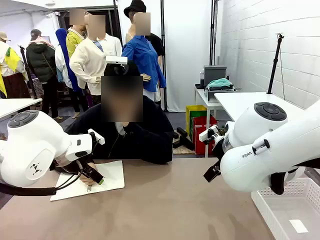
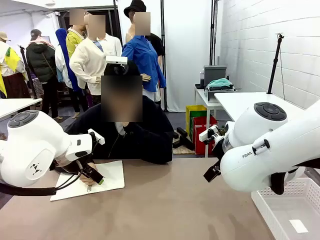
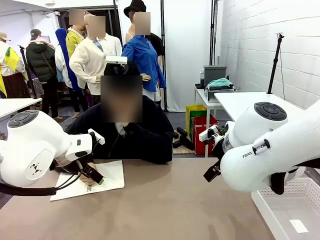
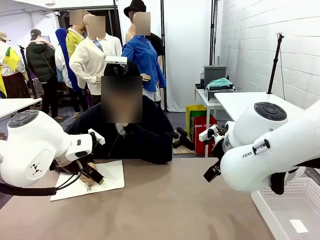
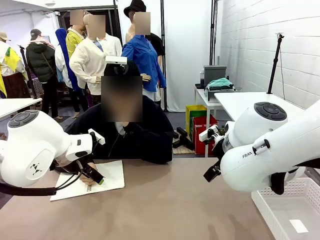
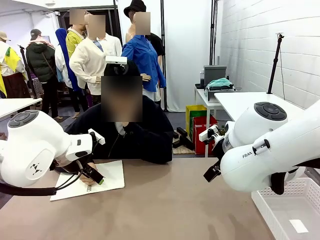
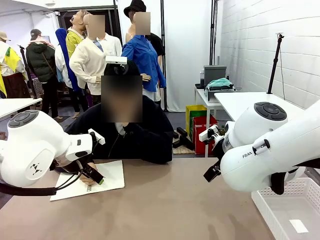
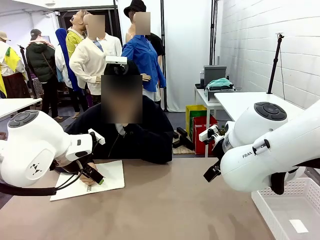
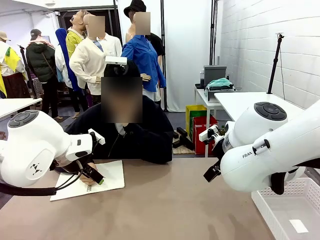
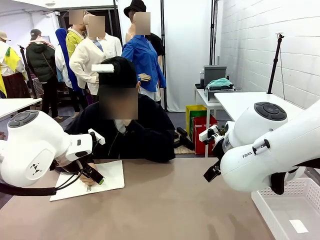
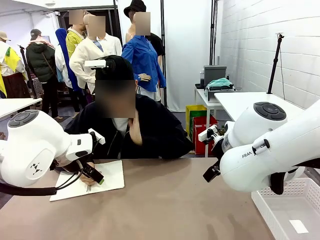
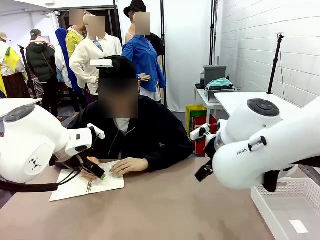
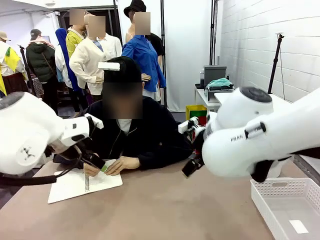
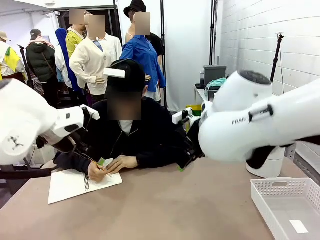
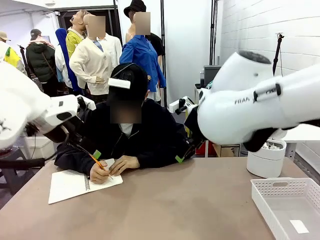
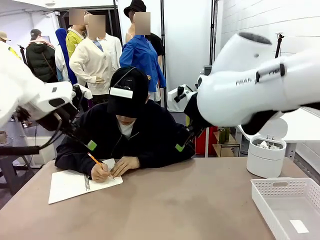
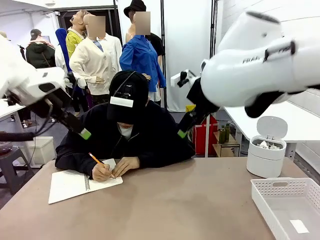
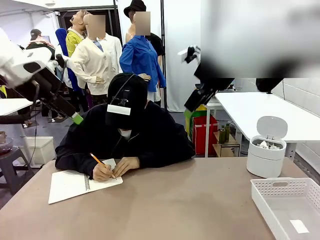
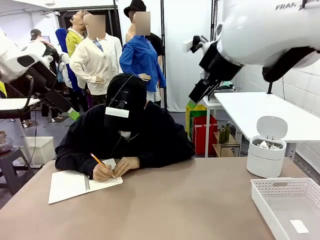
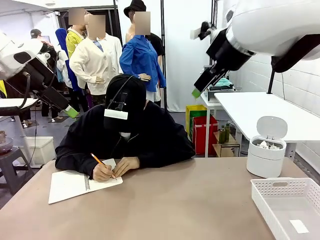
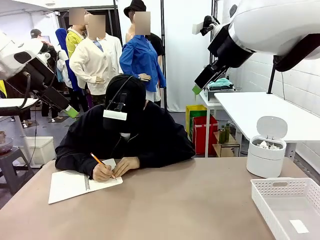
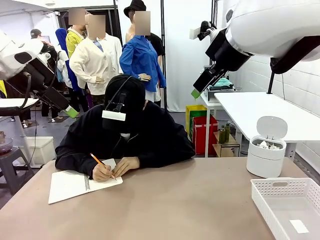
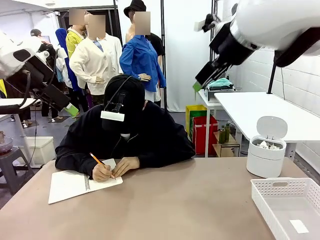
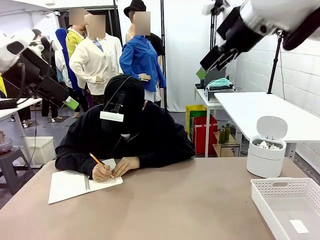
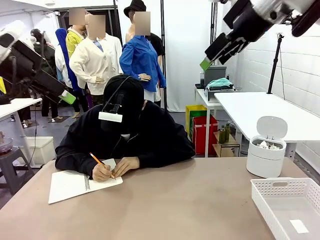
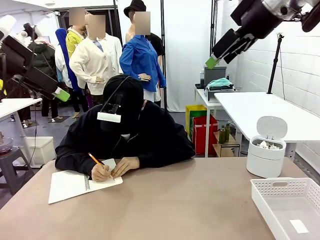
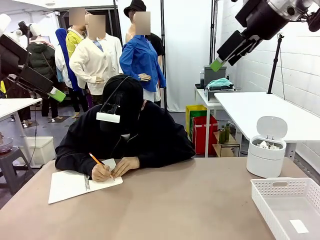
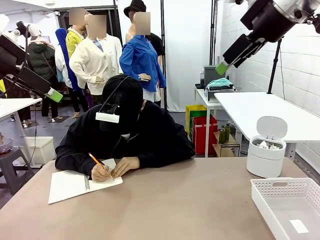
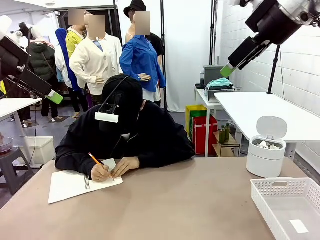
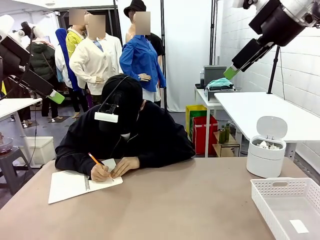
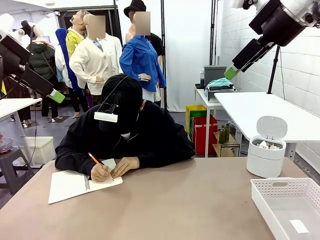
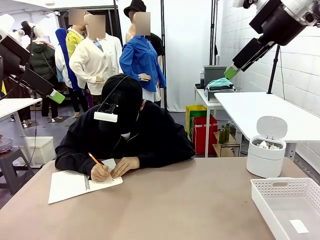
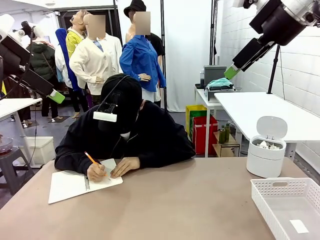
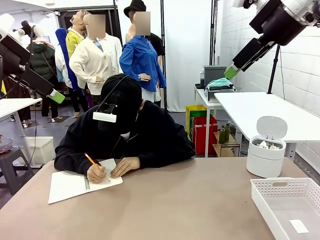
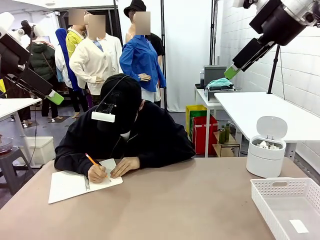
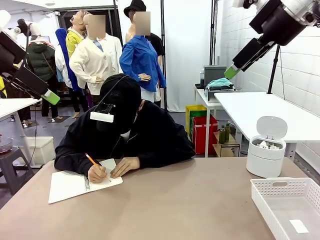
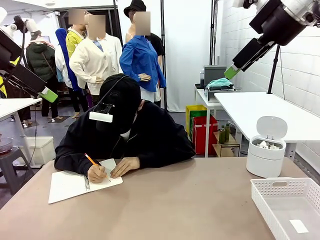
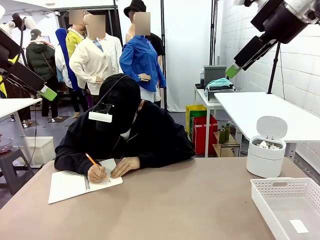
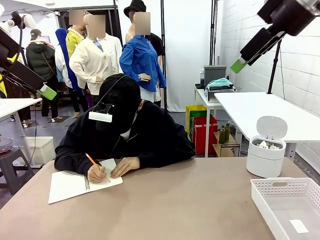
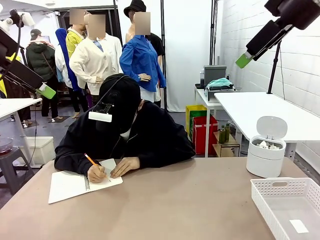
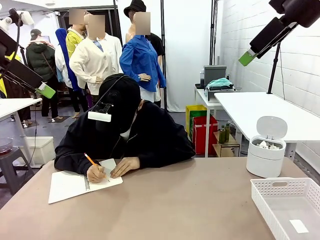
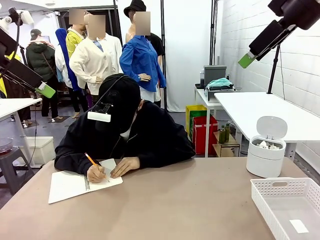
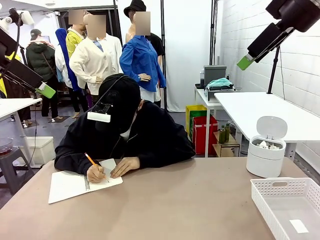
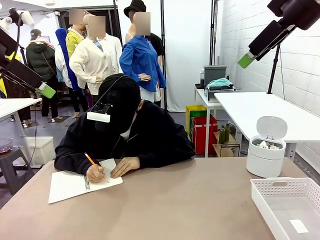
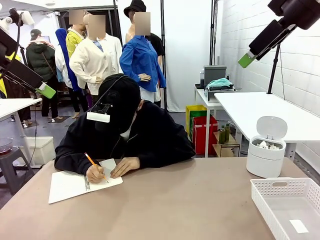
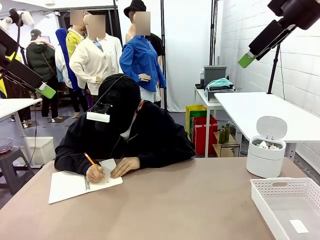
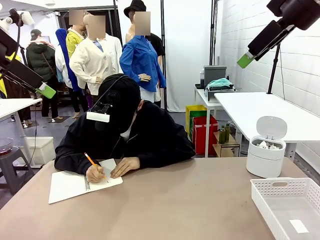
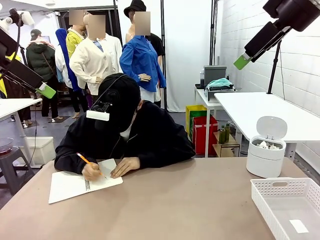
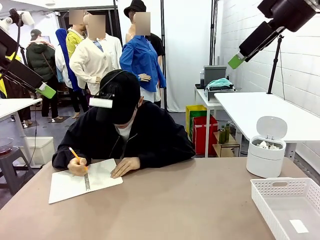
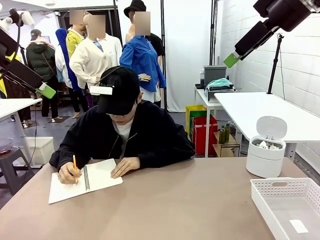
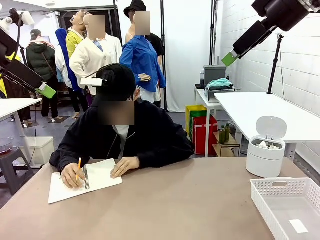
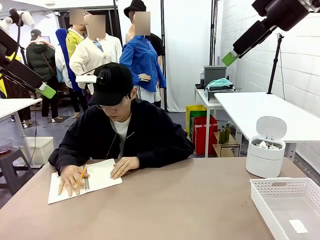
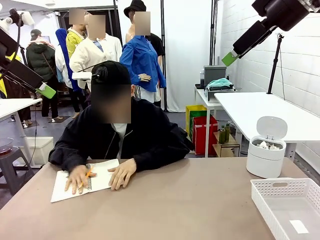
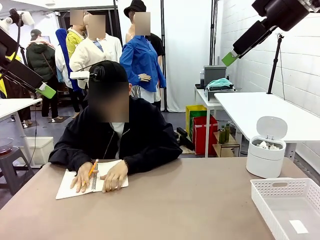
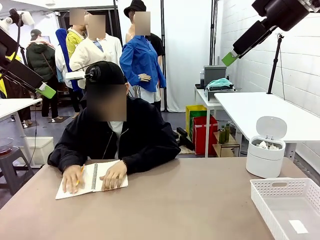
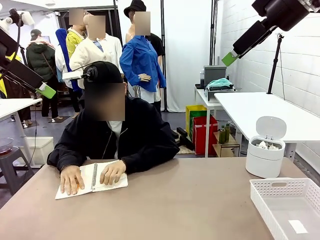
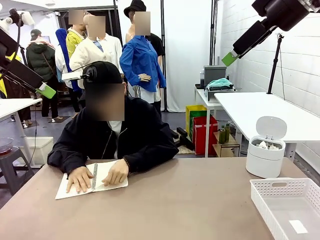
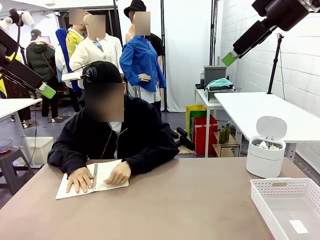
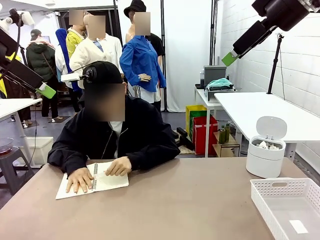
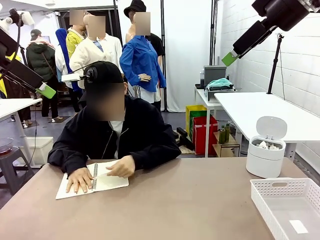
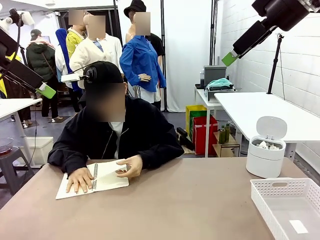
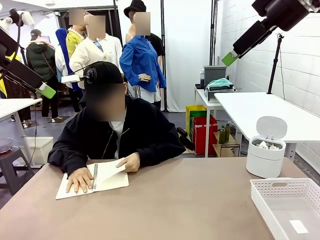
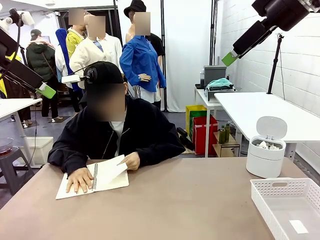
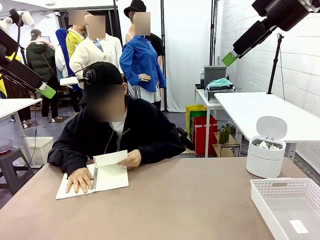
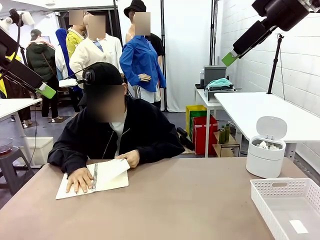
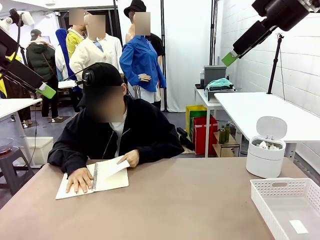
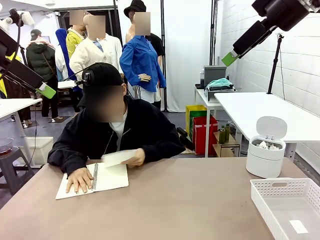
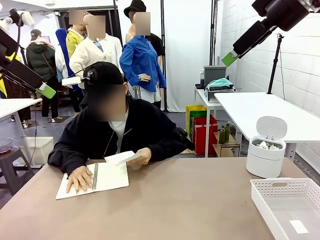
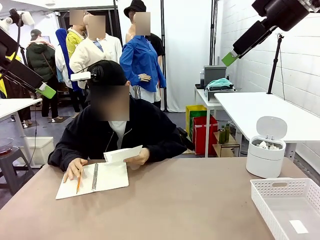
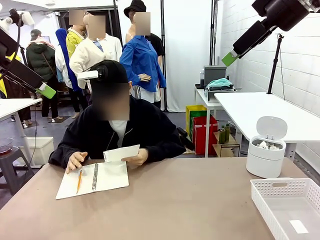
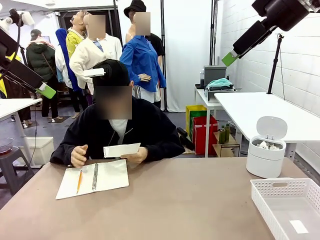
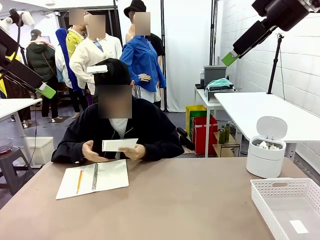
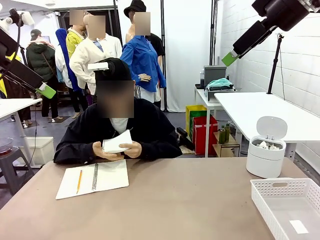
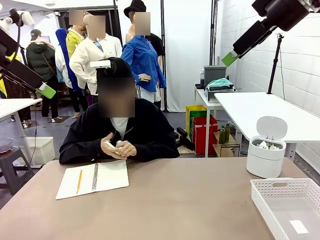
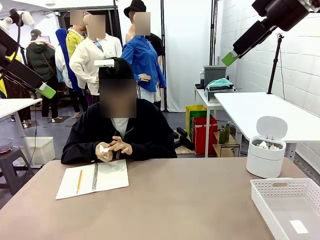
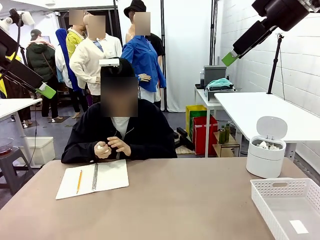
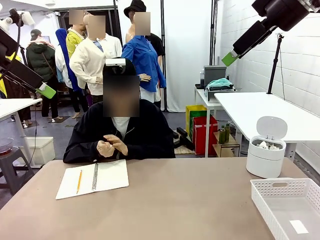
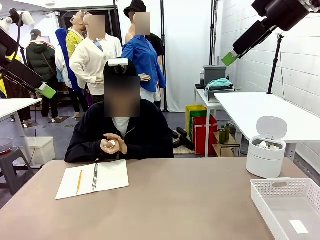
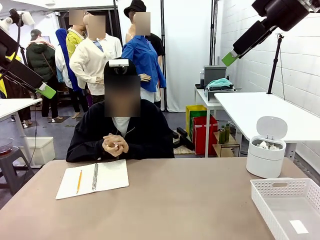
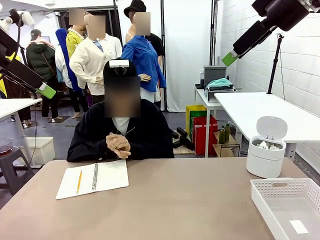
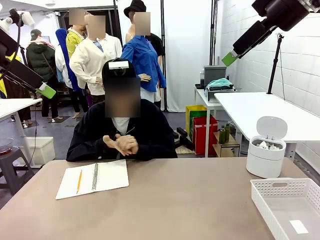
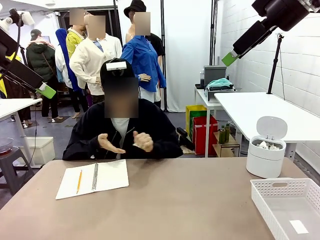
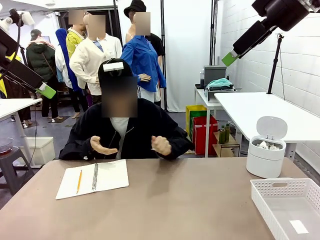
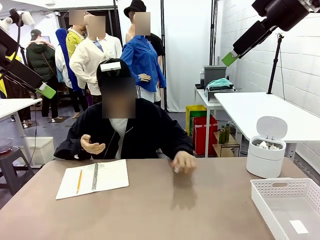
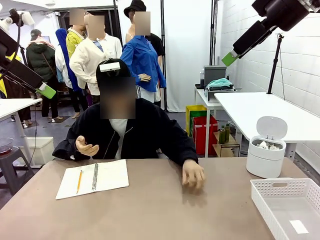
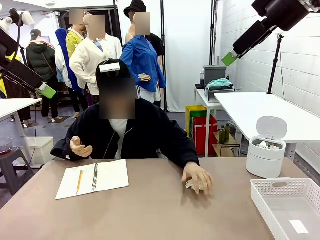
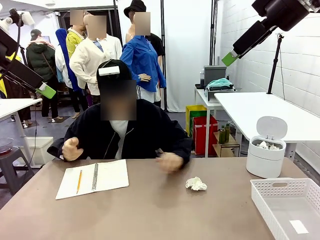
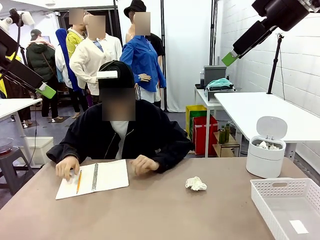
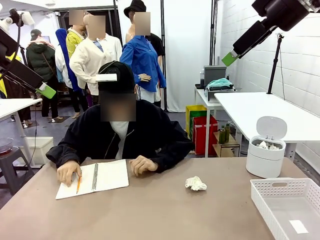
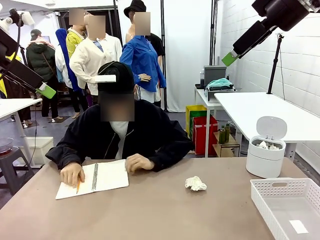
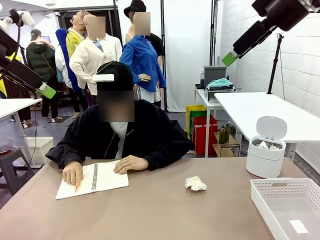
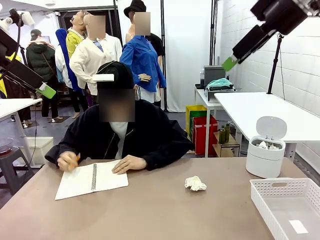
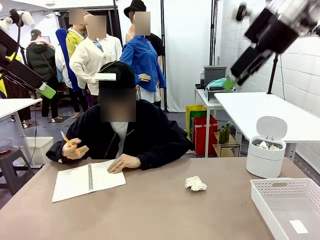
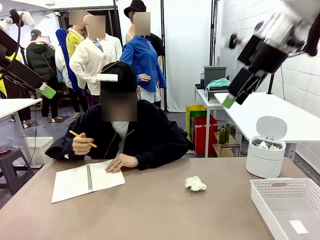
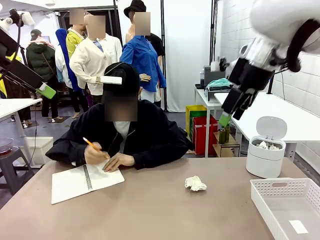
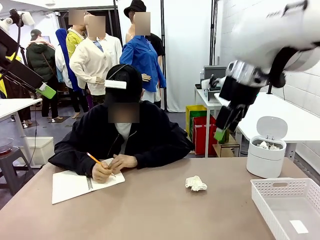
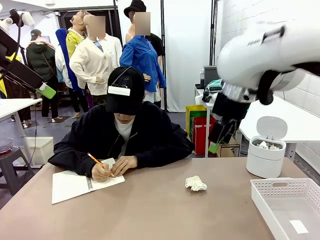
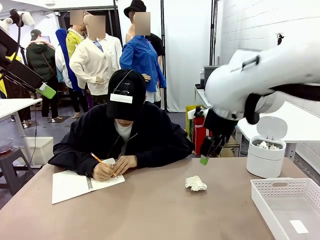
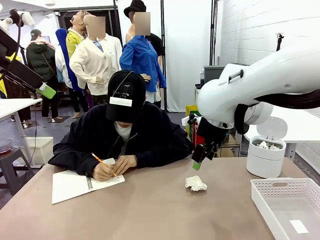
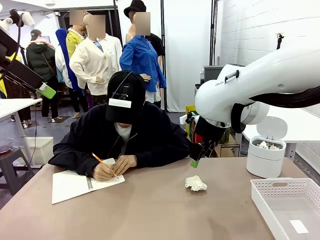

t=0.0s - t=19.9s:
Task: Sort the paper based on its condition.
Robot: If a person hands you a paper, place it in the Organizing basket , and if it's crumpled, put it in the Trash can.
Person: Tear out a page from the spiral notebook. Hand the torn page to the robot or crumple it and throw it to the center of the table.
